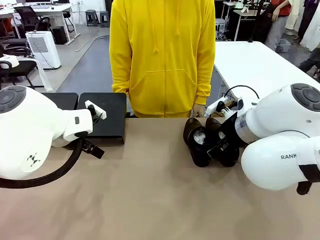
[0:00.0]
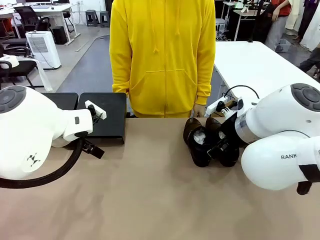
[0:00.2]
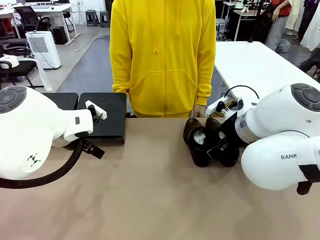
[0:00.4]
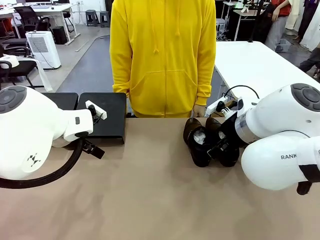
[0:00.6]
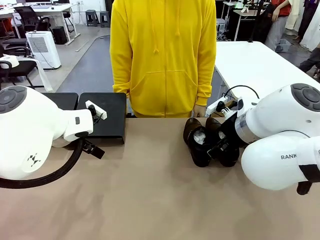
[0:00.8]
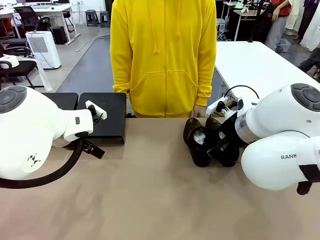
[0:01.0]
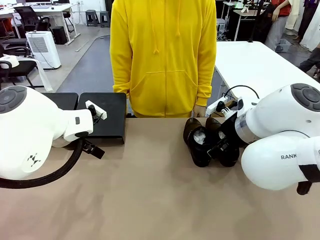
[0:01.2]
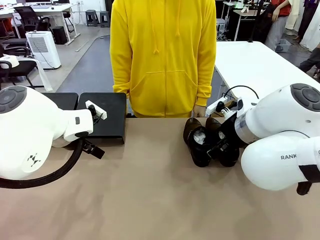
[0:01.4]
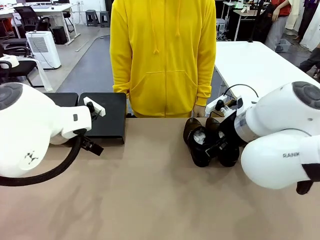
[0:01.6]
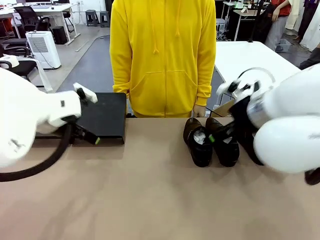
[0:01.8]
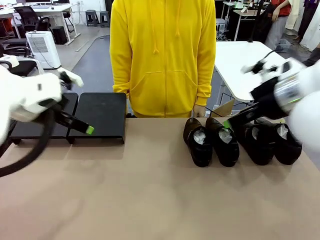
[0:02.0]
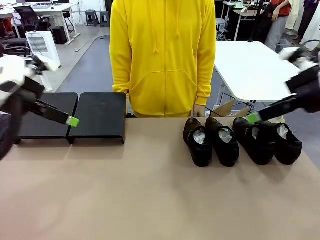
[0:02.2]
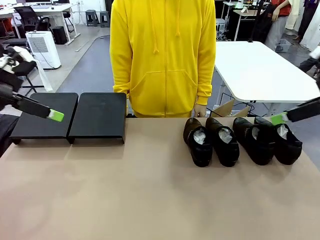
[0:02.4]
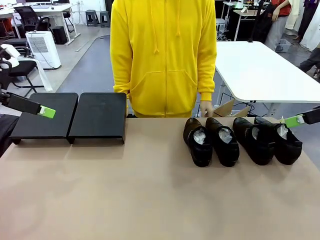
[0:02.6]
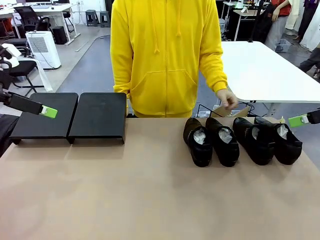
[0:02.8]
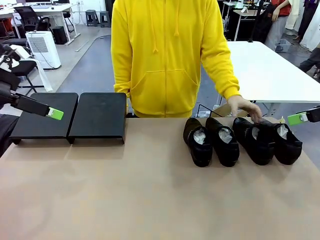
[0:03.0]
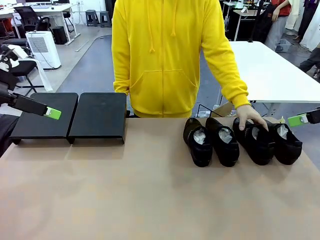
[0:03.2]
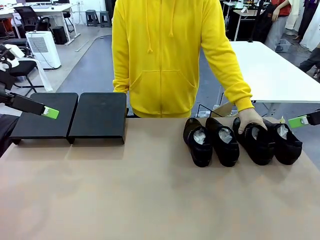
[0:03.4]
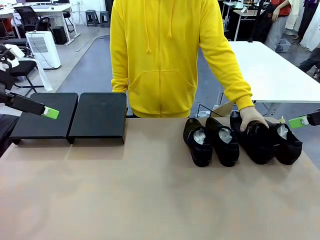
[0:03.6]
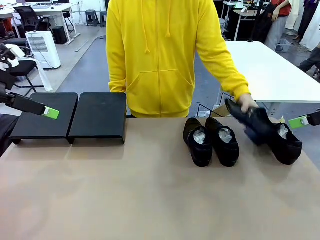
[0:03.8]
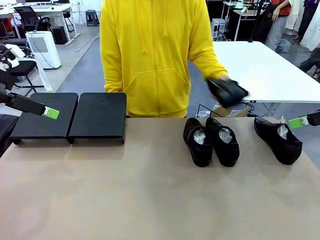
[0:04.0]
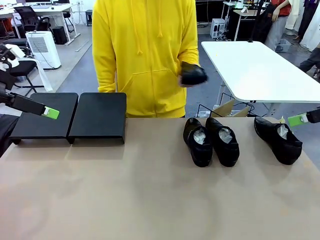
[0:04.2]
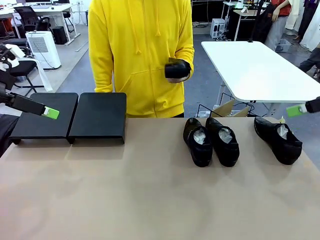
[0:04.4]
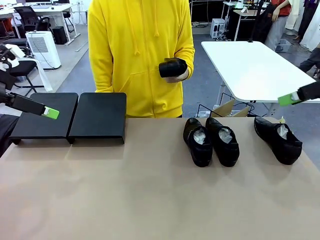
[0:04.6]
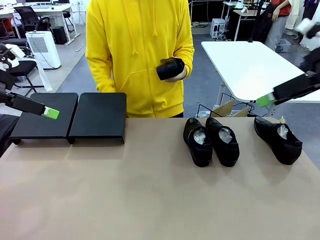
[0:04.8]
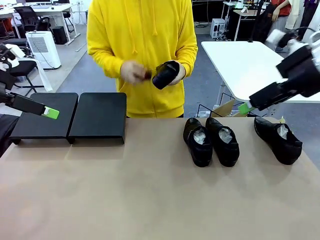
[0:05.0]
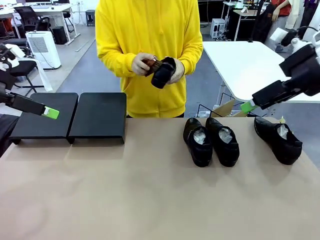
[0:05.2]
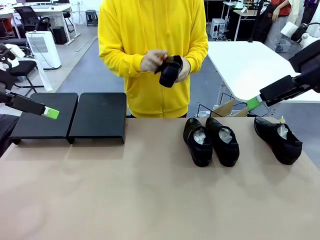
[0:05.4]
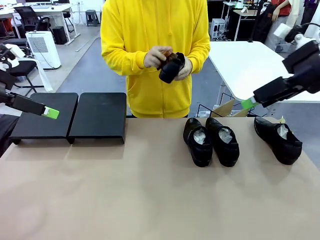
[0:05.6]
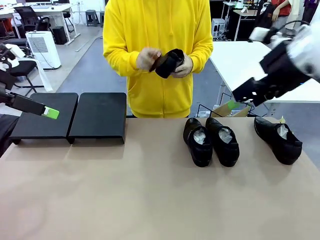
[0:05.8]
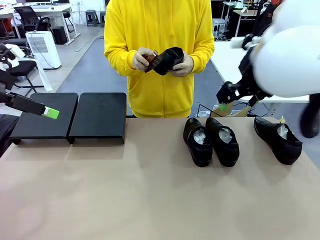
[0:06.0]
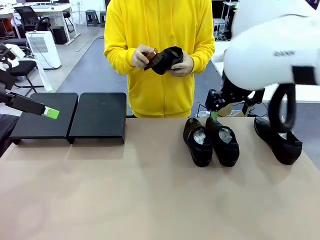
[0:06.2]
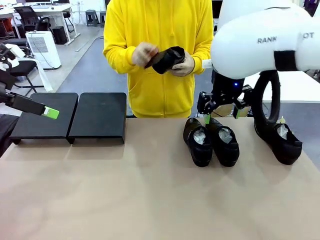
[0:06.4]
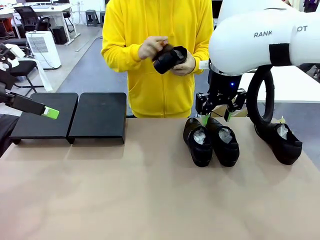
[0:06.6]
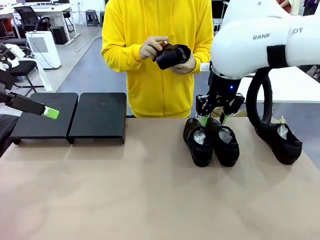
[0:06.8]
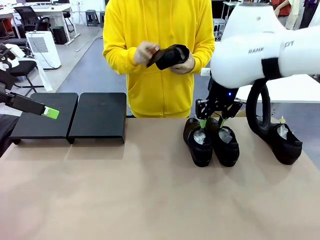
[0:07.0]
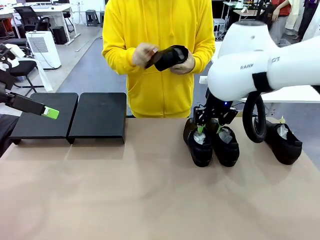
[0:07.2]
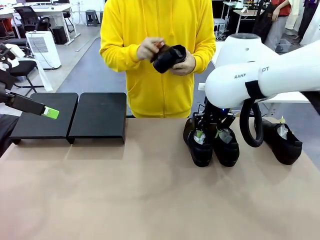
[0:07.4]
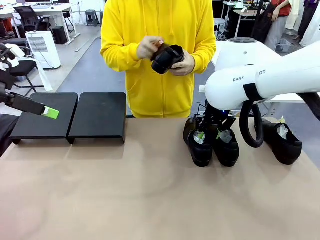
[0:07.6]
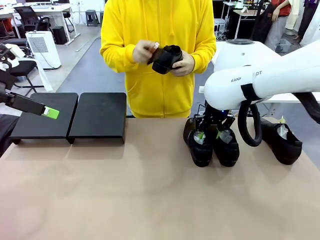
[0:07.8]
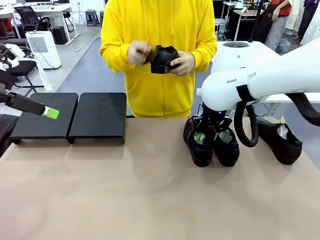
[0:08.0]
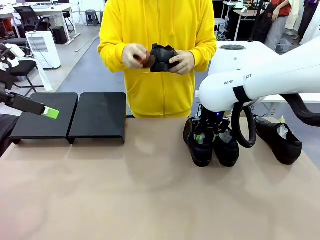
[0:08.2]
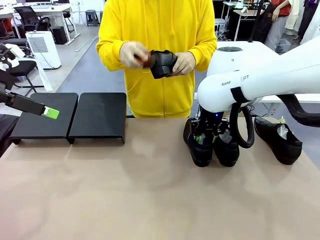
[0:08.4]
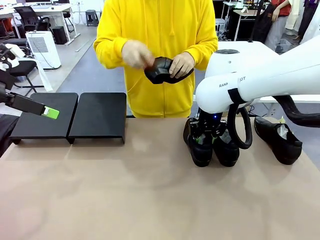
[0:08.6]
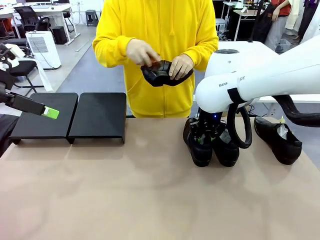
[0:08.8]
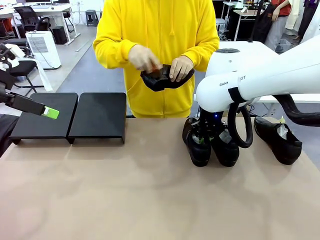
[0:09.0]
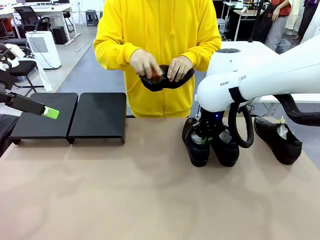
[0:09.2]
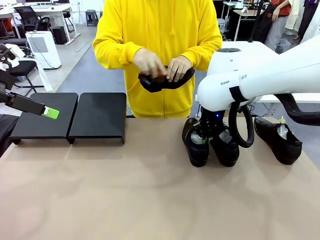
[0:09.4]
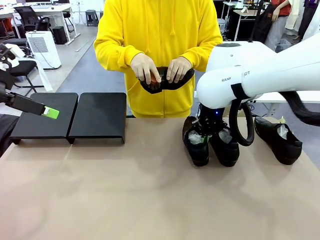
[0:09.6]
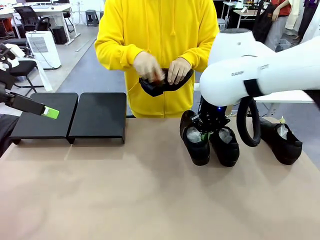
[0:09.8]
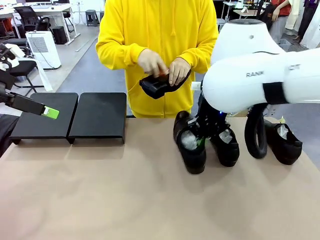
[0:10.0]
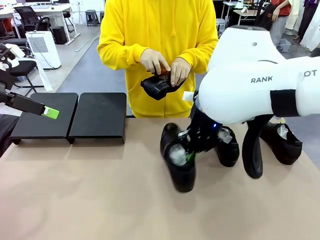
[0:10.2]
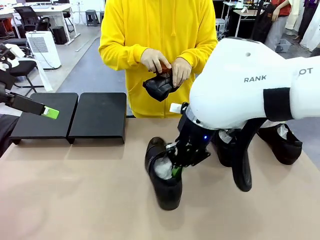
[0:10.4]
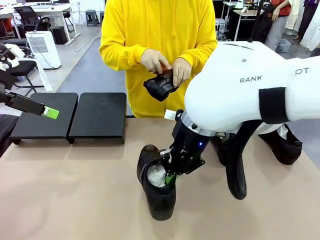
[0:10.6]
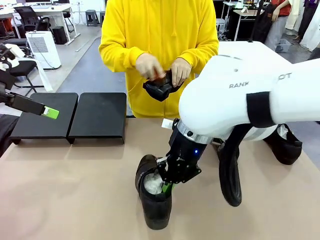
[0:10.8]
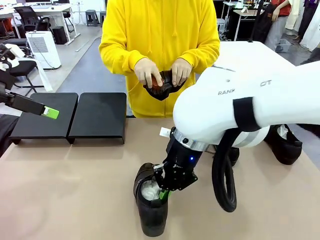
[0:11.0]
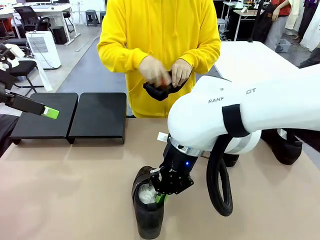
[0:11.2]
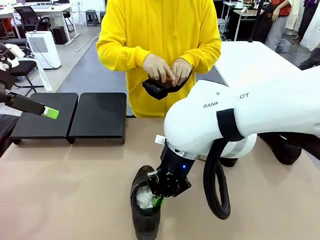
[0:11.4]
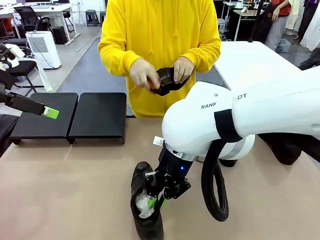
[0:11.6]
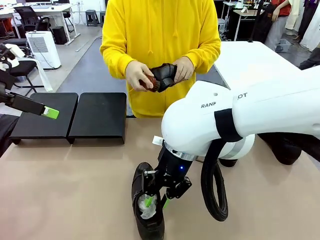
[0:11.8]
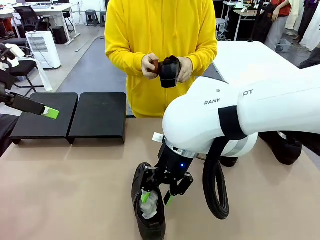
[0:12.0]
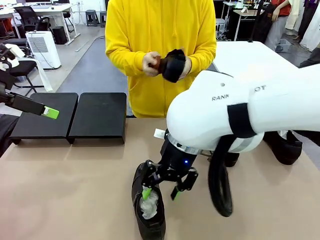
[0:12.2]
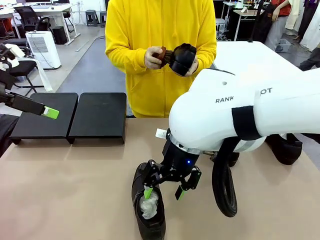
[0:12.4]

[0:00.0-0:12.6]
Task: Organize the shoes by placing them on the stand.
Robot: Pick up one Shoe and place it in the middle of the table.
Person: Pick one Shoe on Robot's table.

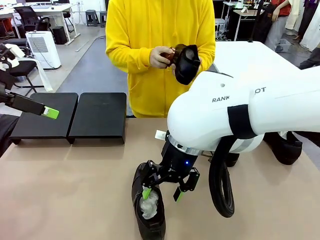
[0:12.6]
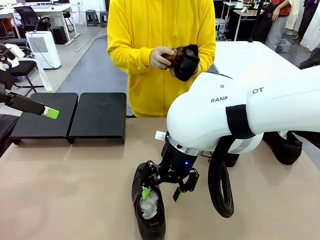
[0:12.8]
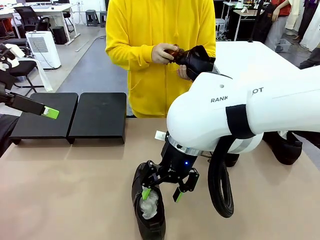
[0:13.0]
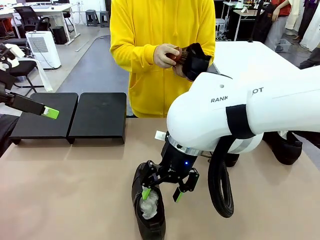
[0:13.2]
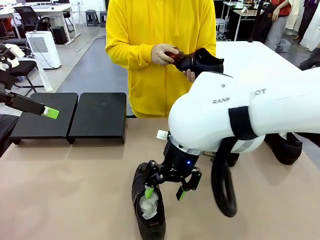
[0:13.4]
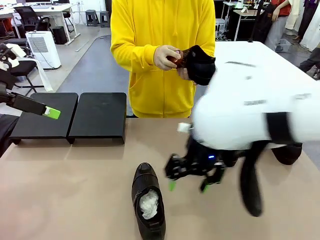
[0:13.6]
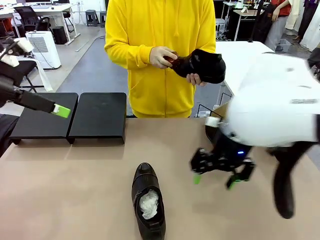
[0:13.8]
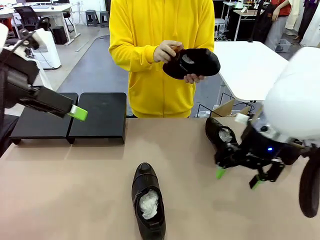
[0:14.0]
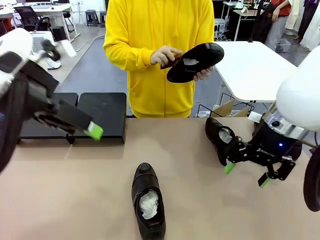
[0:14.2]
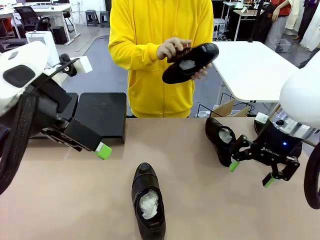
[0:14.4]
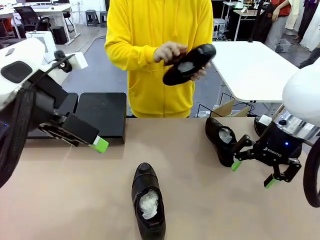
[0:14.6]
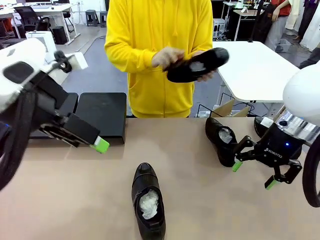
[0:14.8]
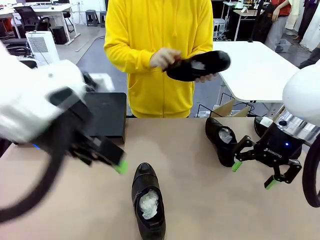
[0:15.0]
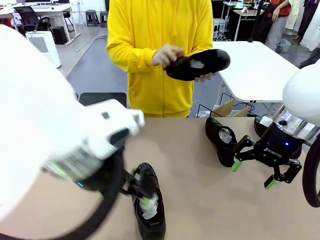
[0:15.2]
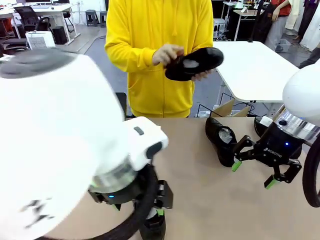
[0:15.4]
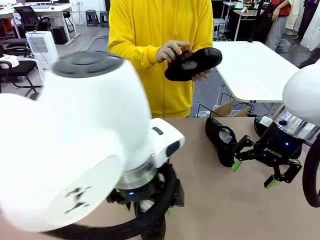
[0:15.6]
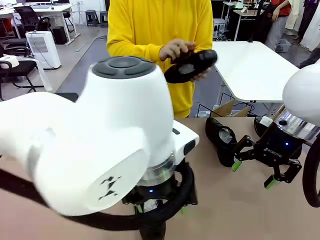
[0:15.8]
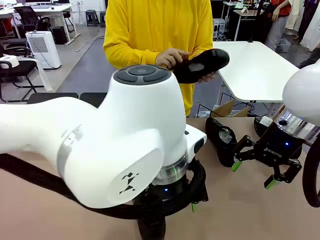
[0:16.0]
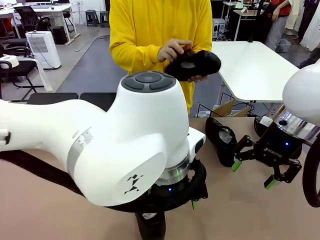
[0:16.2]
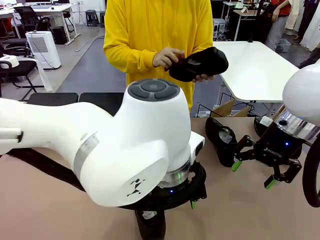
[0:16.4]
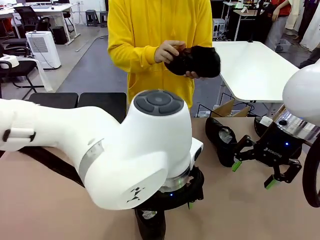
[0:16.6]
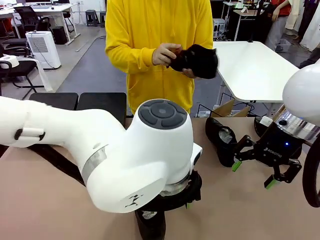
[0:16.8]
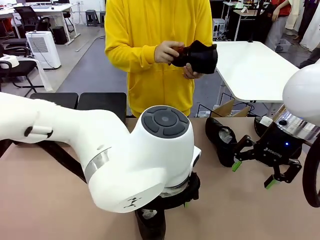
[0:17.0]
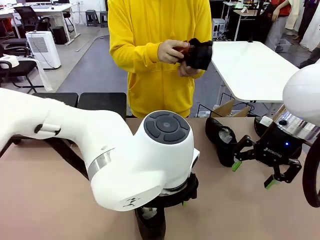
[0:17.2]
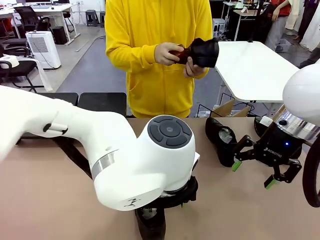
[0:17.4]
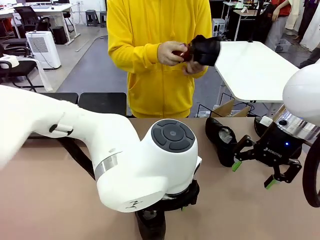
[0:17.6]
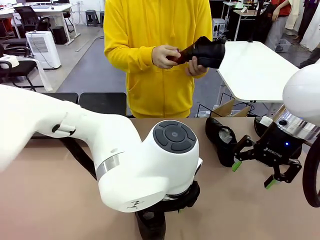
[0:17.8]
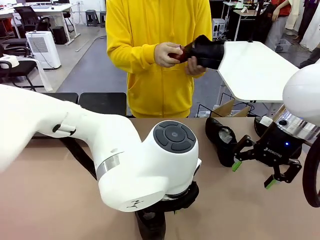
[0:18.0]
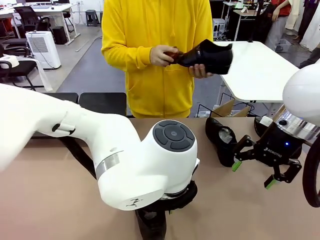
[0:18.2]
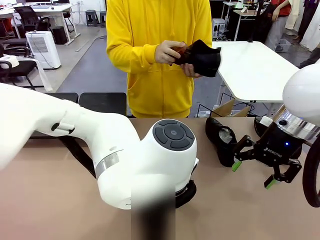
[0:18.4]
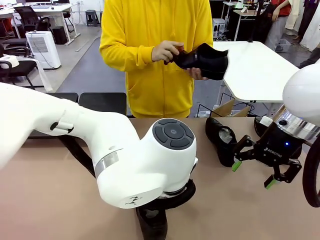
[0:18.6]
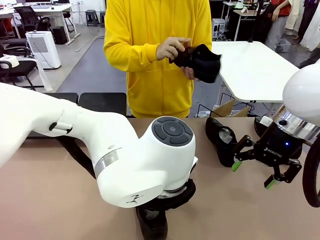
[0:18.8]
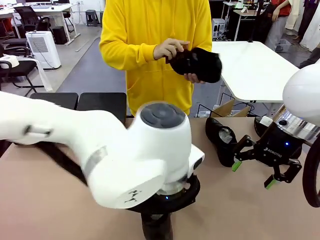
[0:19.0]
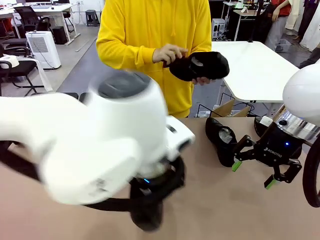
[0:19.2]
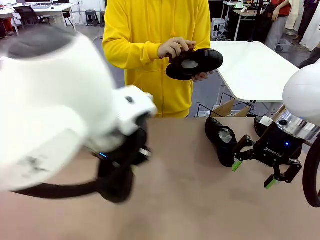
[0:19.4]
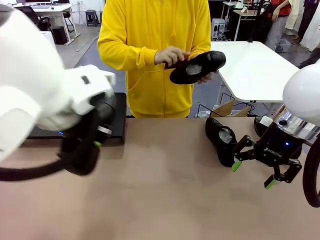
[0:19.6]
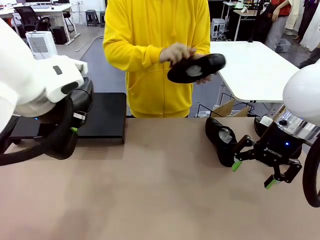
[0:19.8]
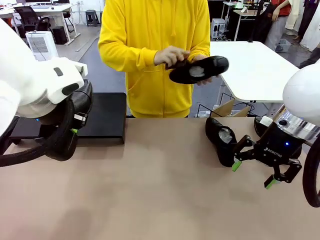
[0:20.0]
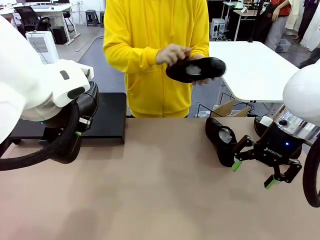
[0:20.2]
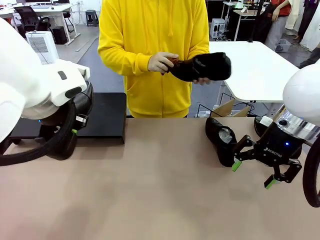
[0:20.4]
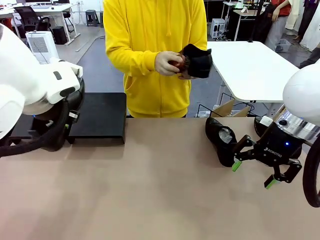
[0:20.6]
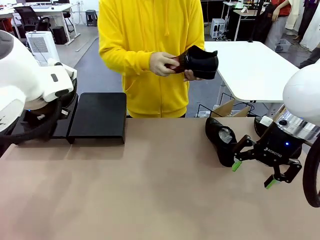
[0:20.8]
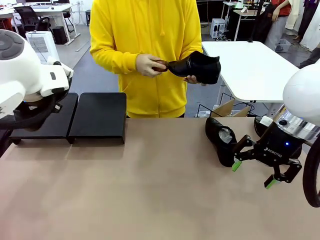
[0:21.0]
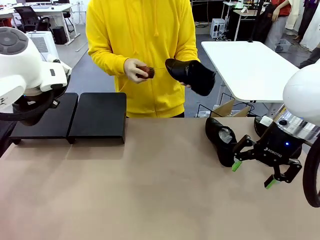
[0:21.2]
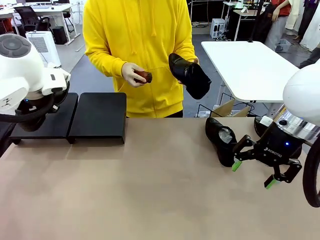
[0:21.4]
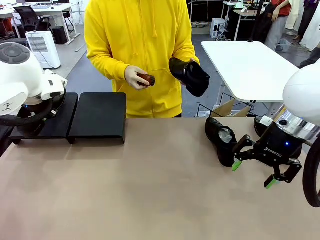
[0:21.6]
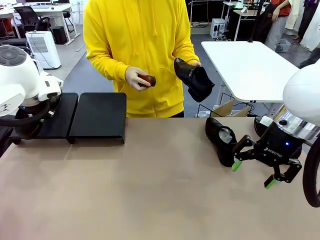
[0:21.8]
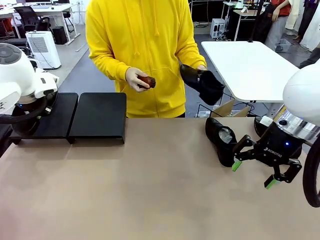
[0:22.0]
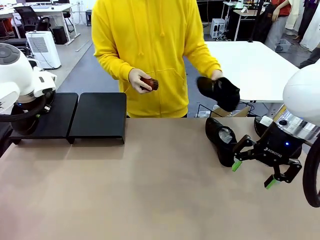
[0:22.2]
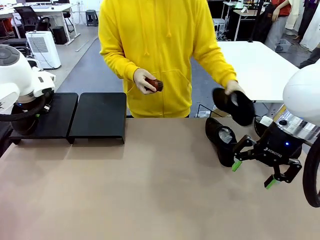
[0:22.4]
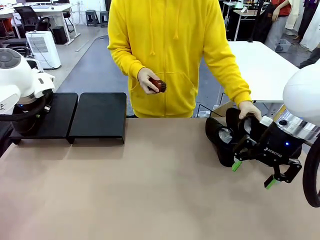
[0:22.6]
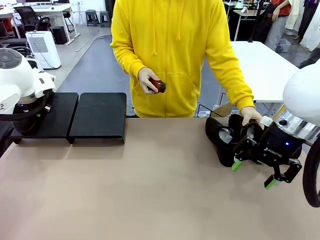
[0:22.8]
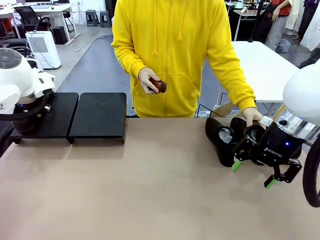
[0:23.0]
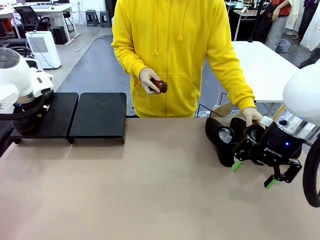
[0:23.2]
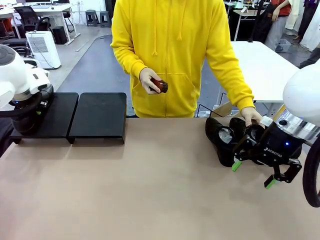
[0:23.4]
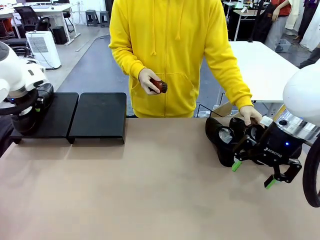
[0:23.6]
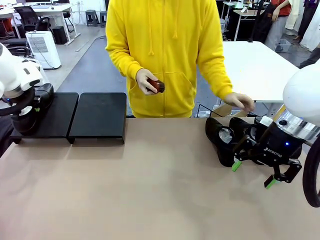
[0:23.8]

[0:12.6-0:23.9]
Robot: Place the Shoe from the middle of the table onto the Shoes Stand.
Person: Clean the Shoe with the Shoe Brush. Place the Shoe on left side of the Robot's table.
